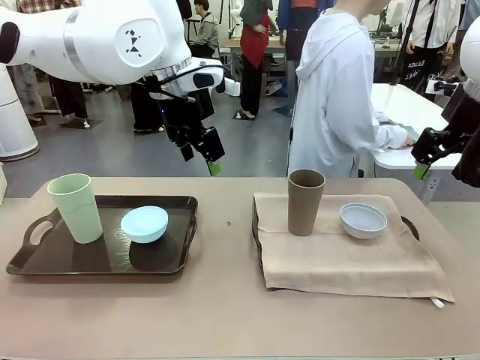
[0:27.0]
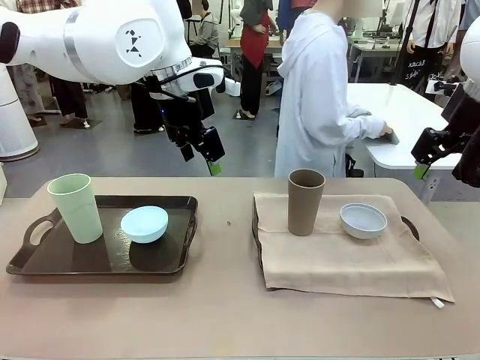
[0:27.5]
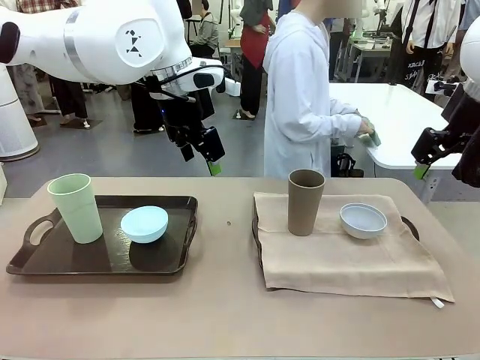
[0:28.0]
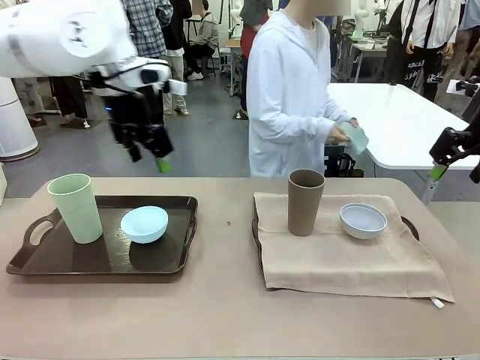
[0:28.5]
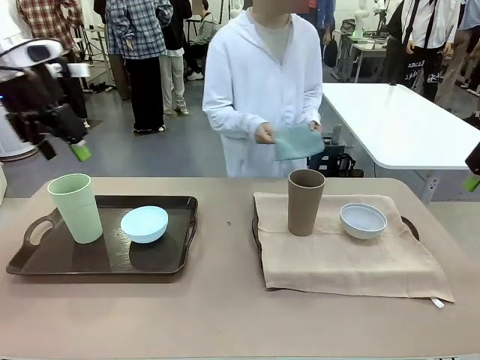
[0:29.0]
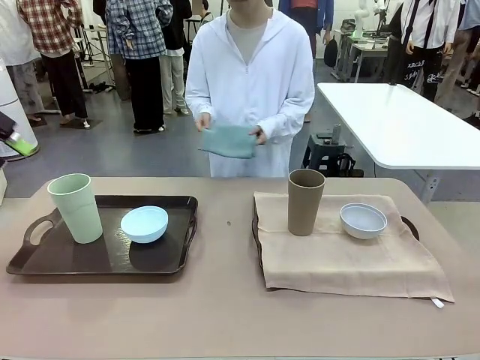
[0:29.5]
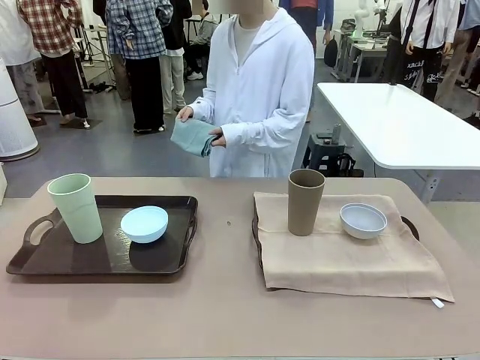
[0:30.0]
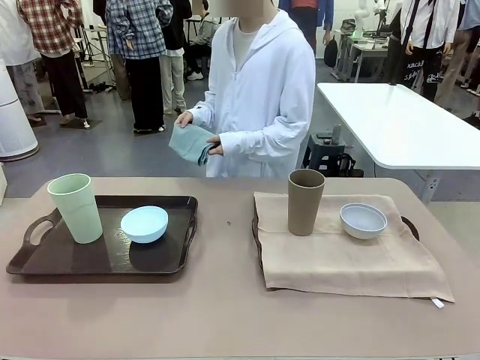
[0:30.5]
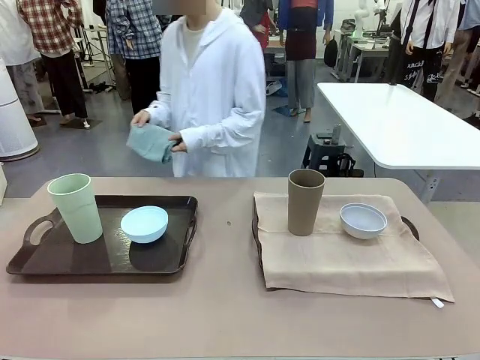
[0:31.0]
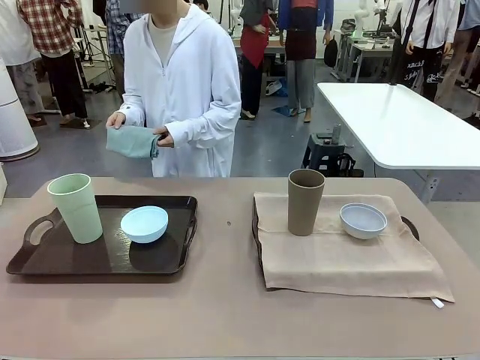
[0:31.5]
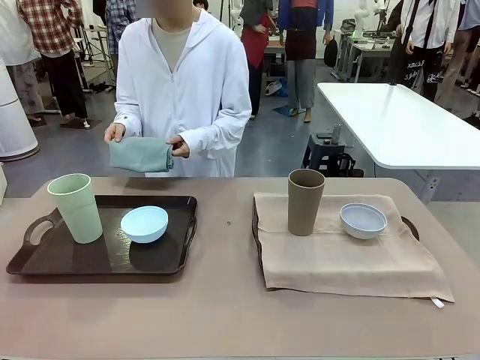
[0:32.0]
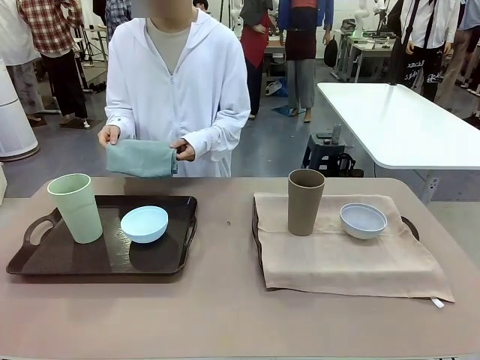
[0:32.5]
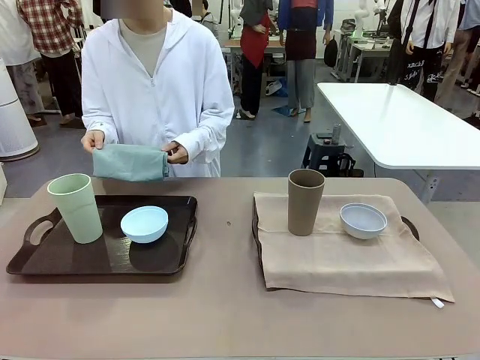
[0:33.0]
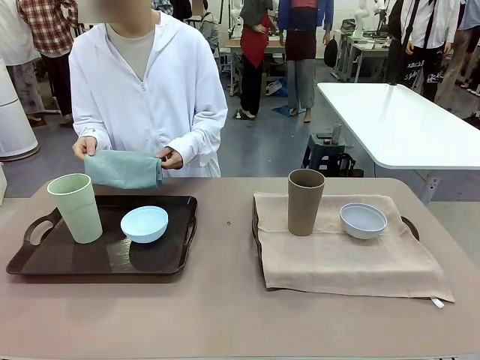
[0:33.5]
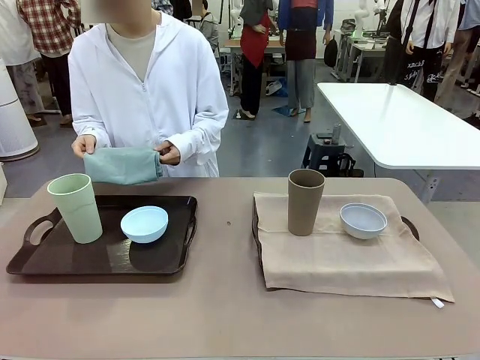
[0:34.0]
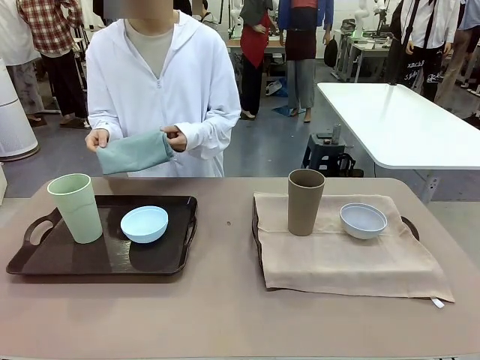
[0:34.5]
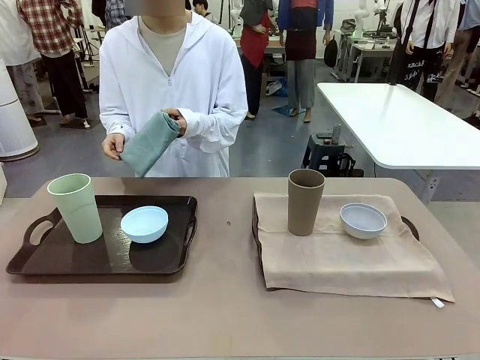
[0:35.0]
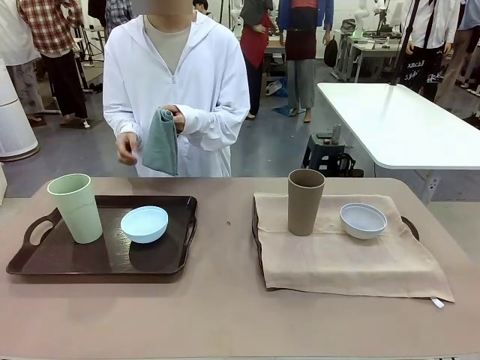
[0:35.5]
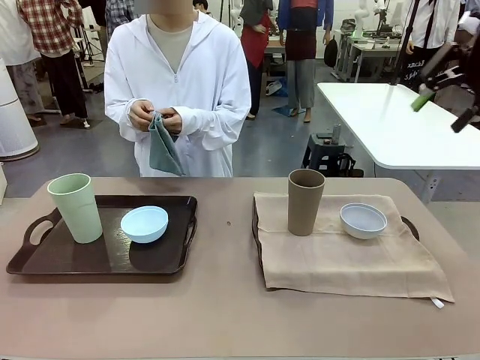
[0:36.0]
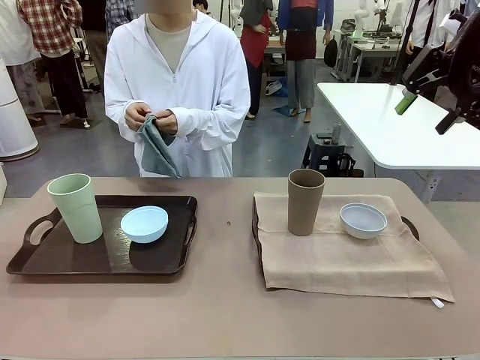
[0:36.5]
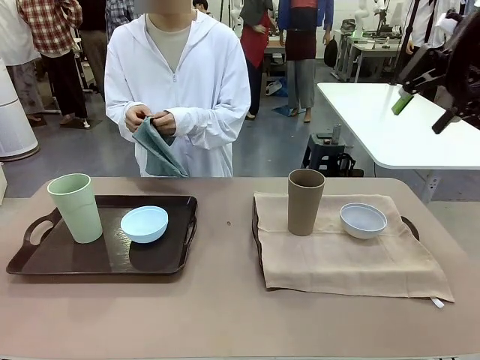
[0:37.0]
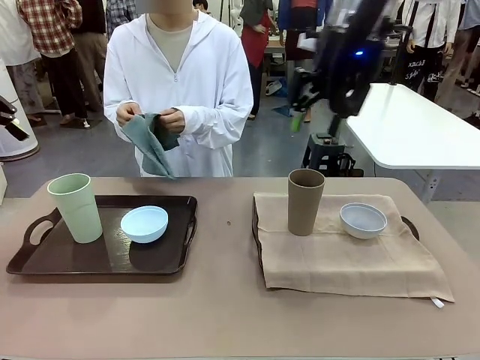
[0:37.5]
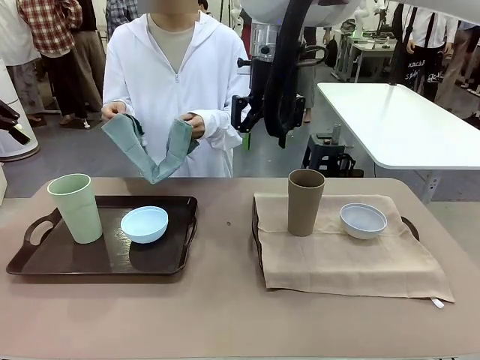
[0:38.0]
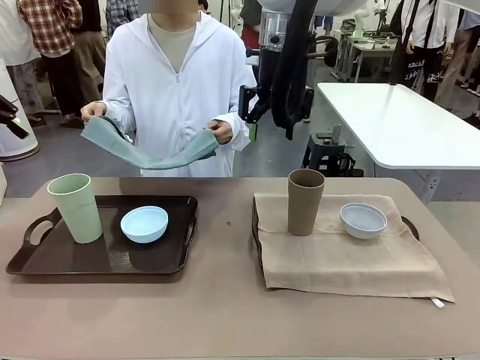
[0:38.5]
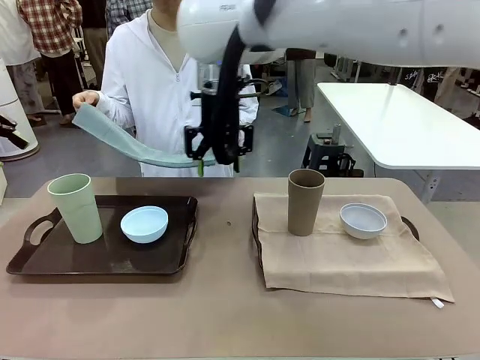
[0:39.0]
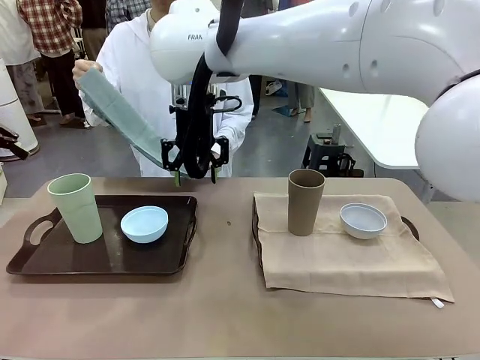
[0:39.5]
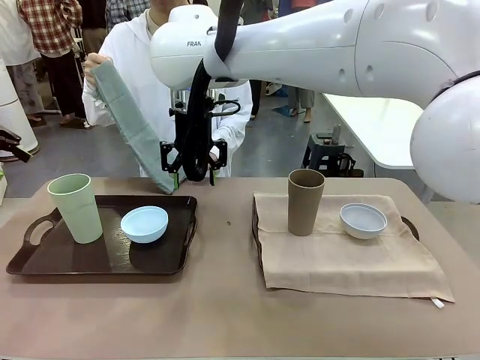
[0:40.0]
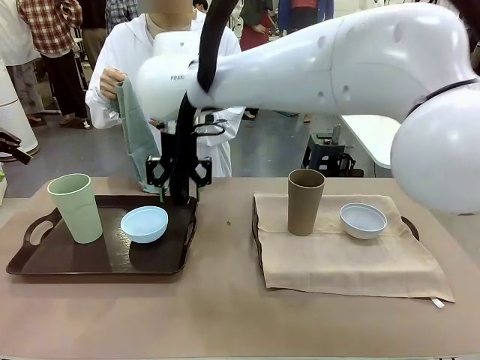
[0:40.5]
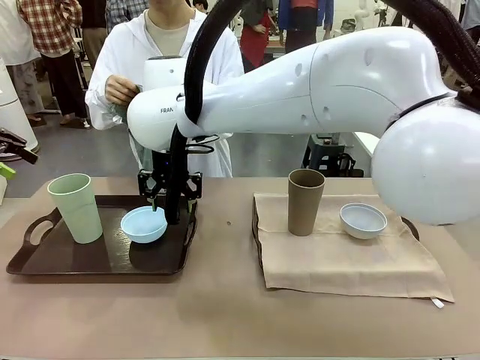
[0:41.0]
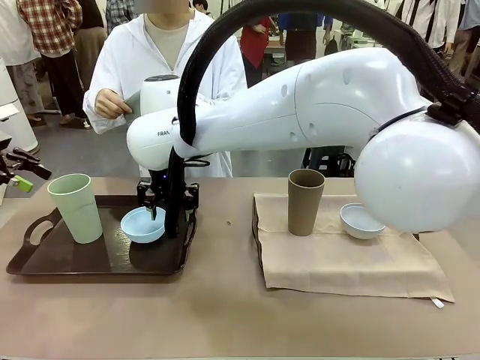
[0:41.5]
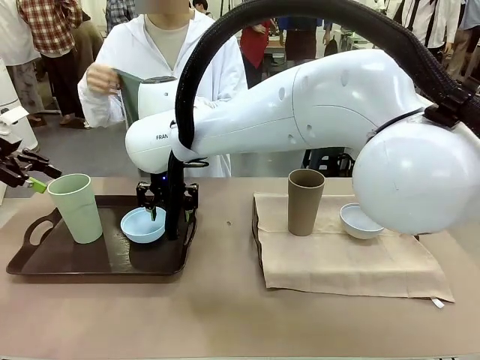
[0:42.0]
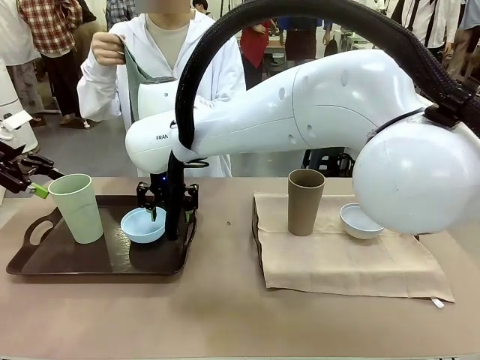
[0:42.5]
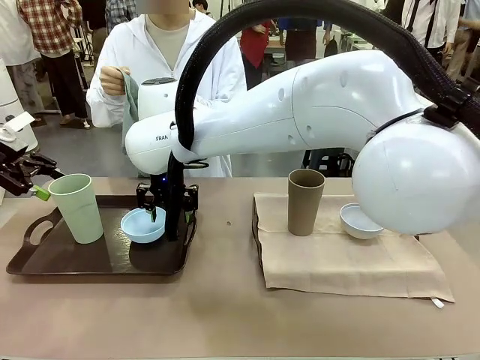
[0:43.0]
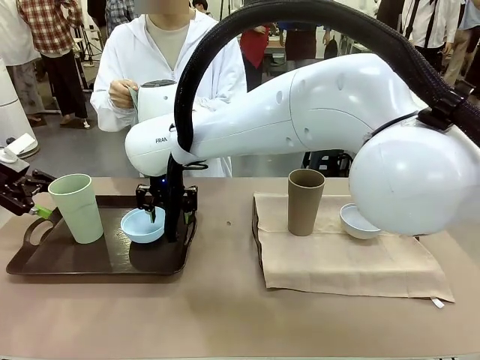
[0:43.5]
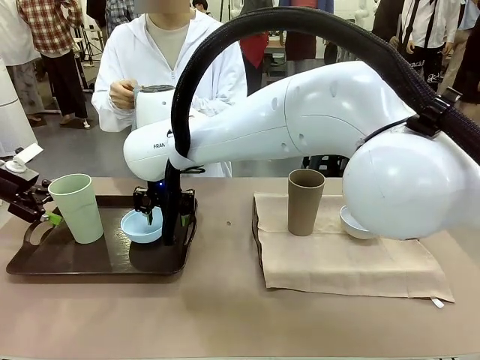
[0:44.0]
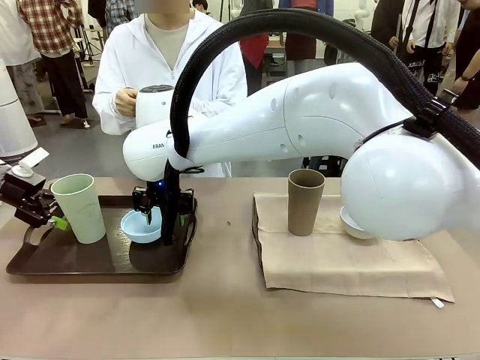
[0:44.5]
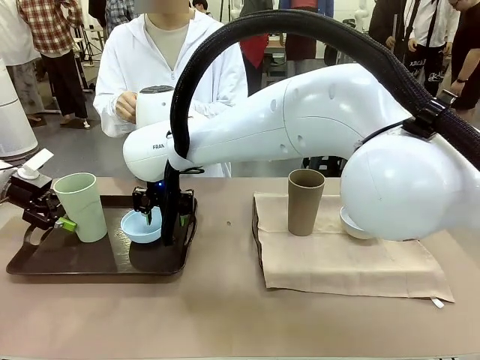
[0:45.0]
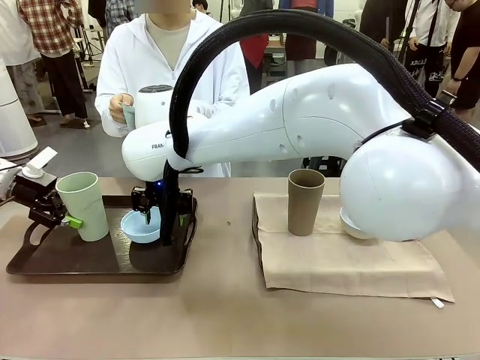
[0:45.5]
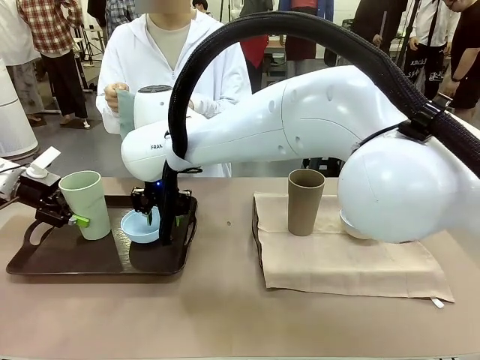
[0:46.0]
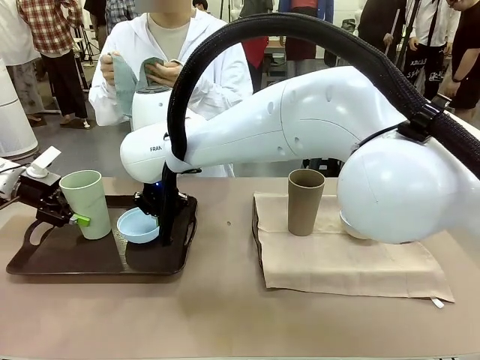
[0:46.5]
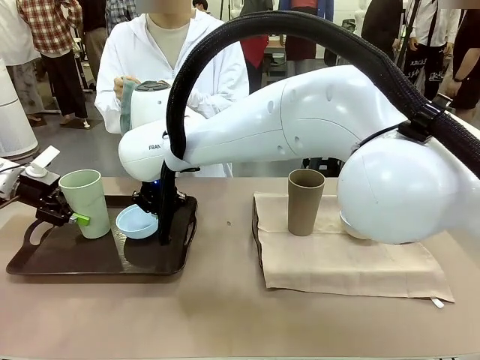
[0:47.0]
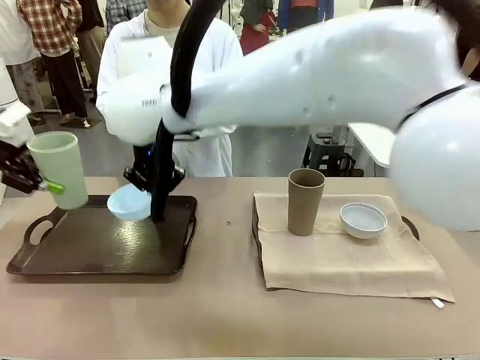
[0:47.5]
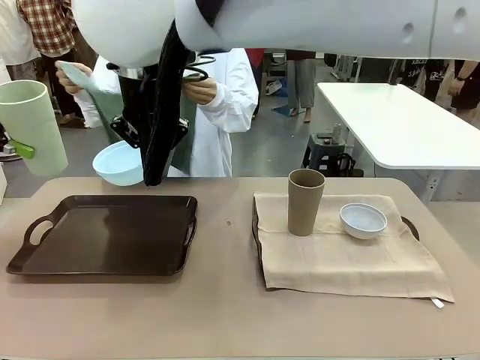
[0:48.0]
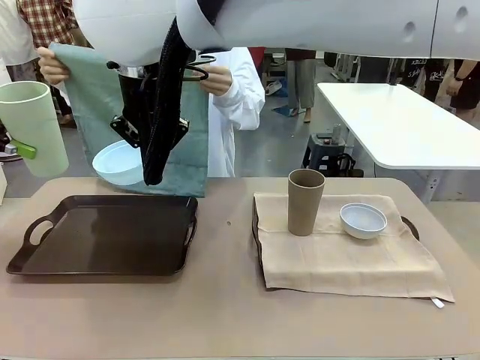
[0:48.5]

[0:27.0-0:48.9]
Robot: Pick up the Picnic Bowl and Reusable plastic cup from the Handle tray in front of the human's position and hold them in the air.
Person: The human returns to the human table to pick up another napkin and walks to the robot table to stand in front of the tray without a napkin.
